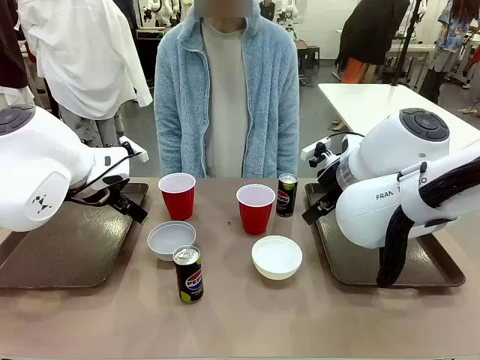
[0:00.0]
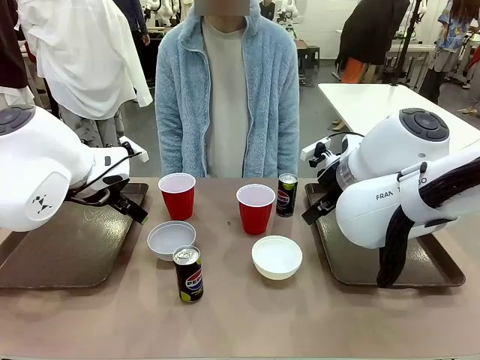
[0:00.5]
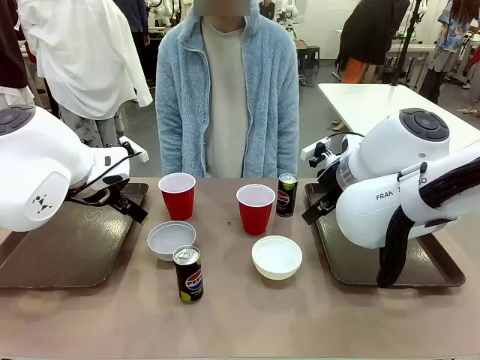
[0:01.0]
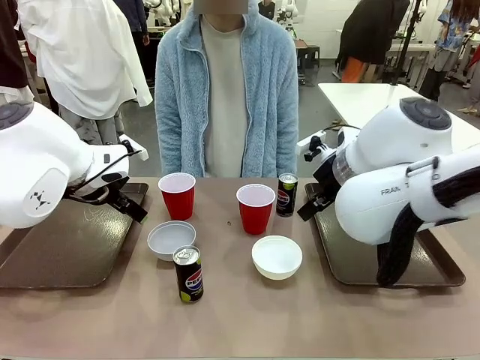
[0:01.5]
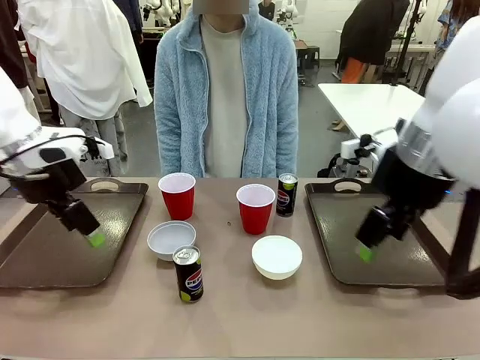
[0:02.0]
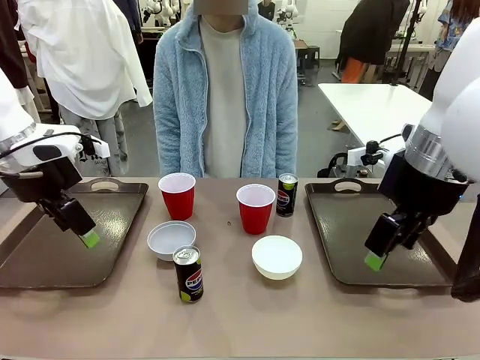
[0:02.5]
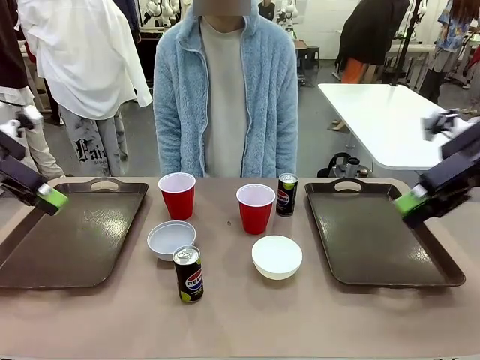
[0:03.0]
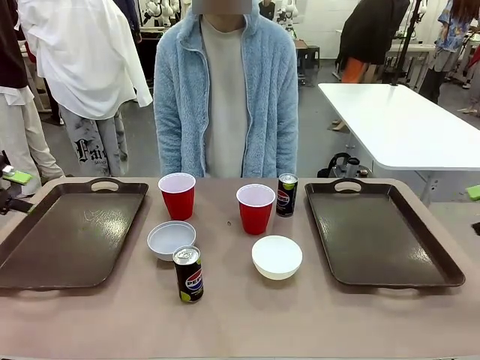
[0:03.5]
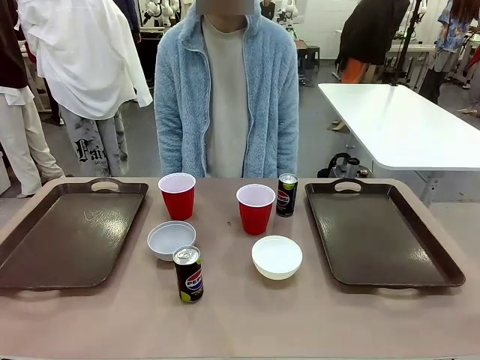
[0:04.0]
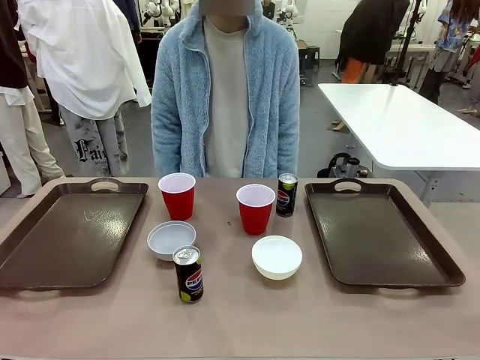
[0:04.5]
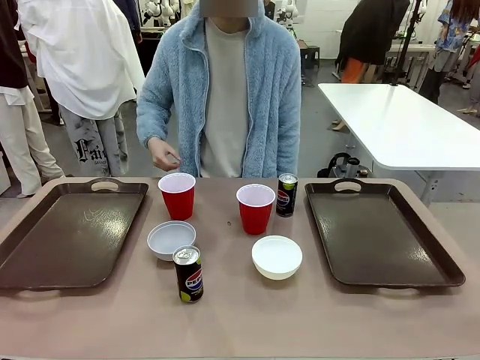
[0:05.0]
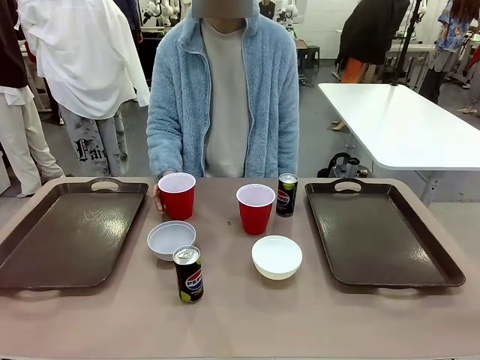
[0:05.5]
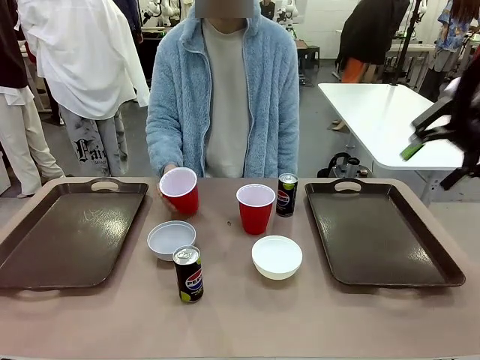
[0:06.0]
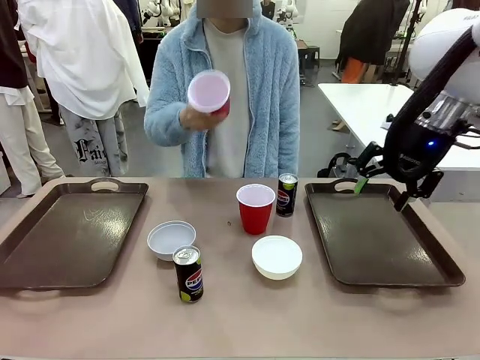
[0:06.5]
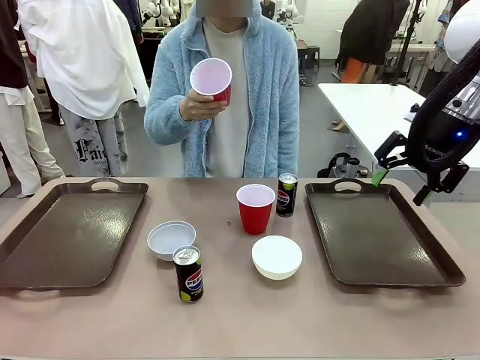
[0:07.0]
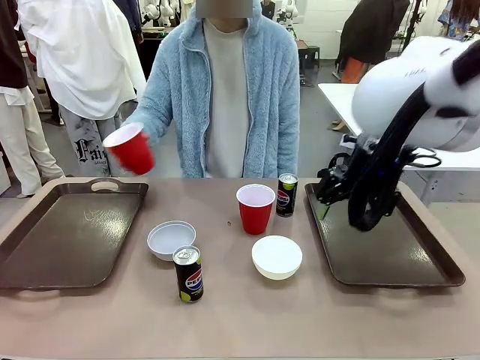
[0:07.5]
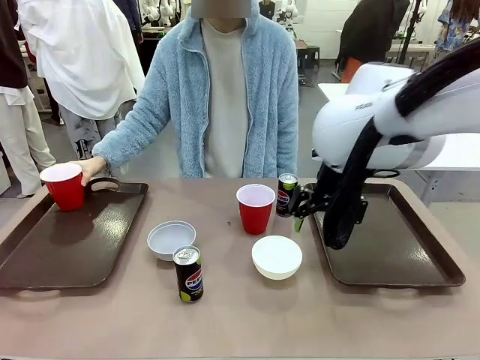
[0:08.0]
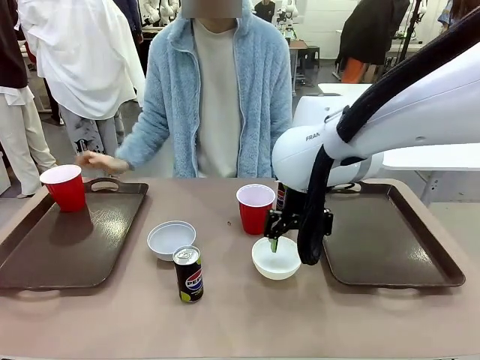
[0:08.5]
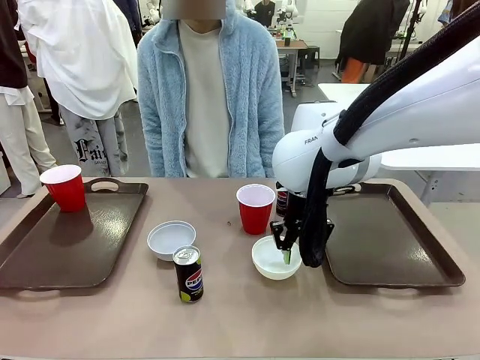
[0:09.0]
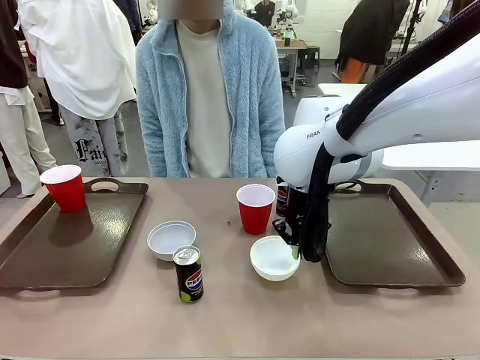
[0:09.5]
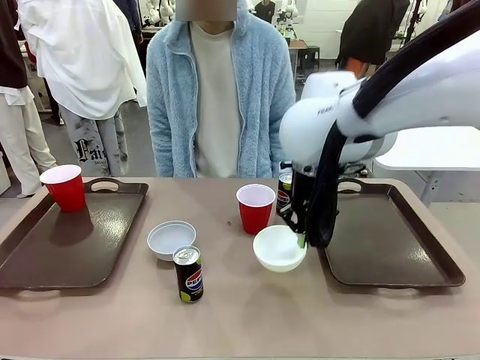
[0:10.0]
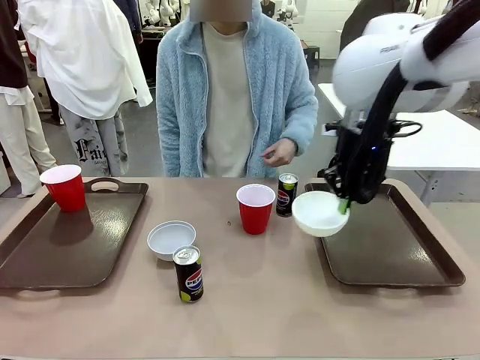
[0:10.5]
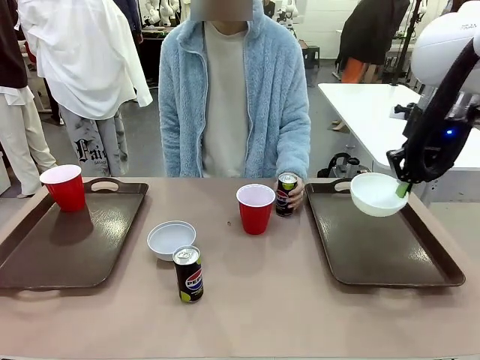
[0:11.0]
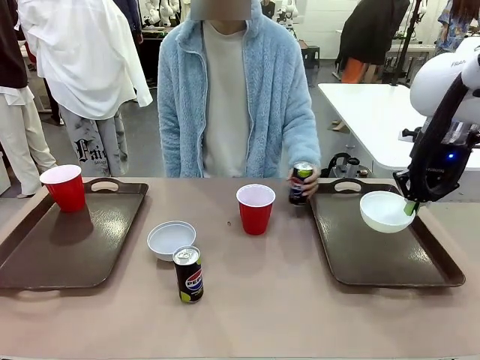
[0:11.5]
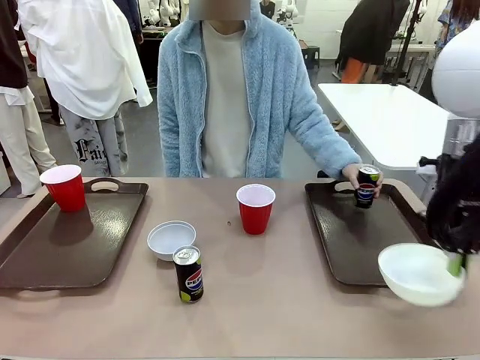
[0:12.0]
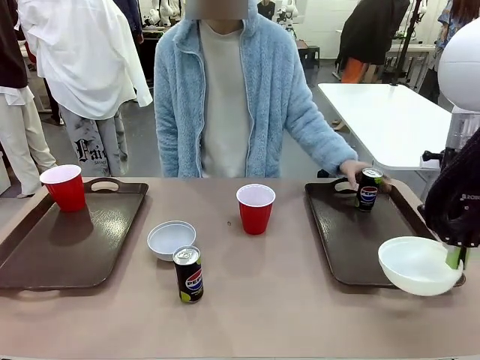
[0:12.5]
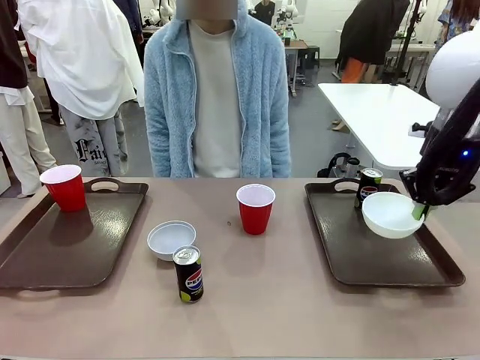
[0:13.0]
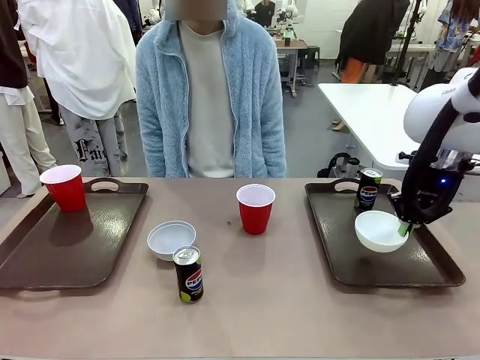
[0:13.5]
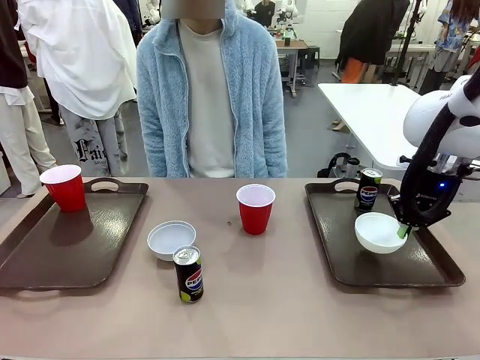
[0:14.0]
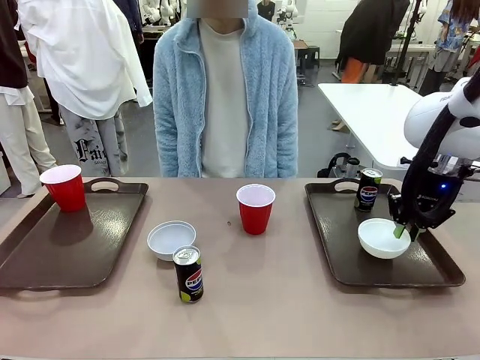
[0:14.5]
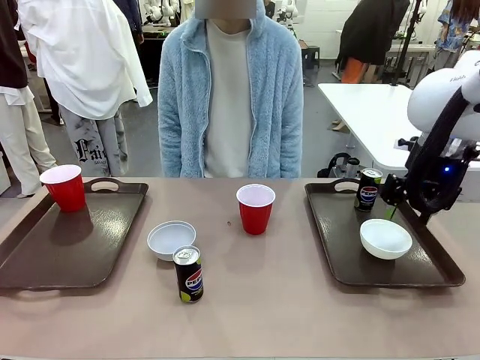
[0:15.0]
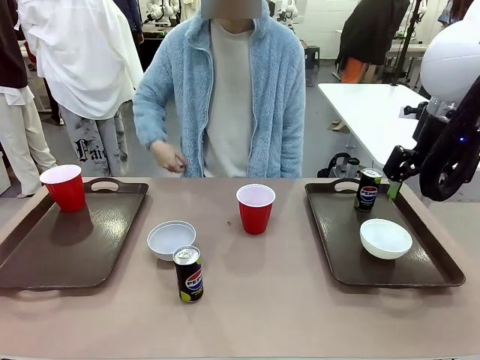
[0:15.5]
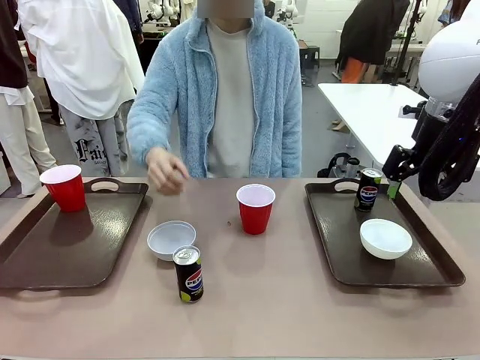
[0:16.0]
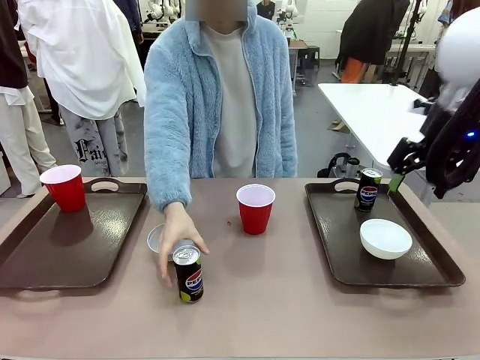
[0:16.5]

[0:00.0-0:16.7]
Task: Prepare tableware on both trays.
Robot: Pick up a Picnic Bowl from the table and place it on a Handle tray.
Person: Pick up a can or cup and place it on the tray.

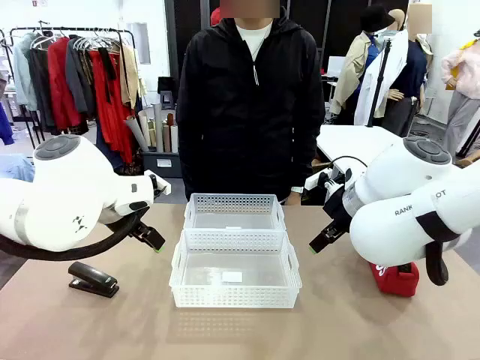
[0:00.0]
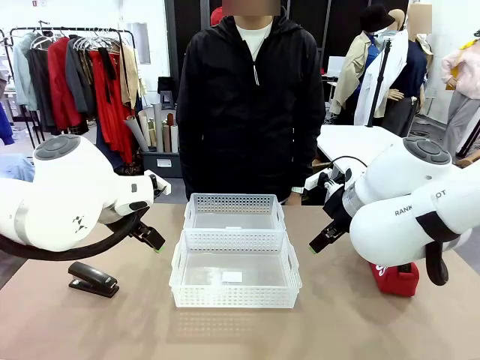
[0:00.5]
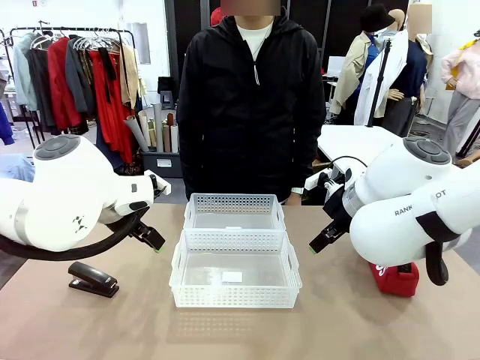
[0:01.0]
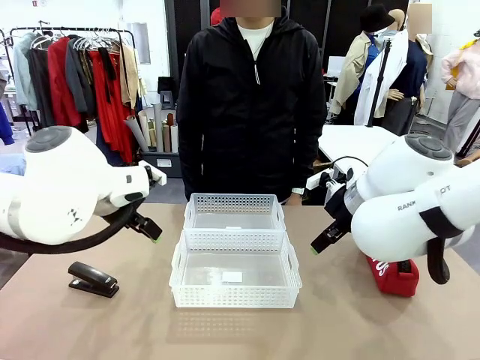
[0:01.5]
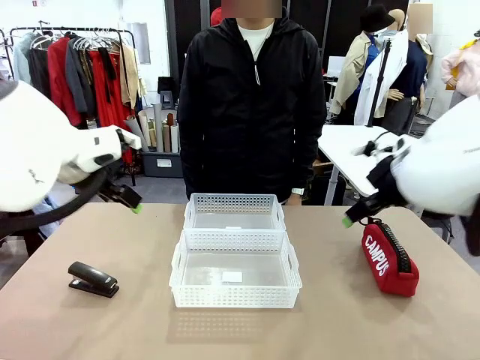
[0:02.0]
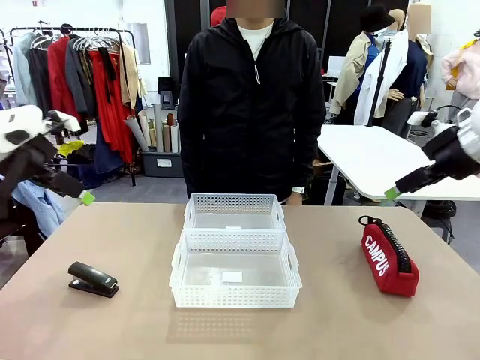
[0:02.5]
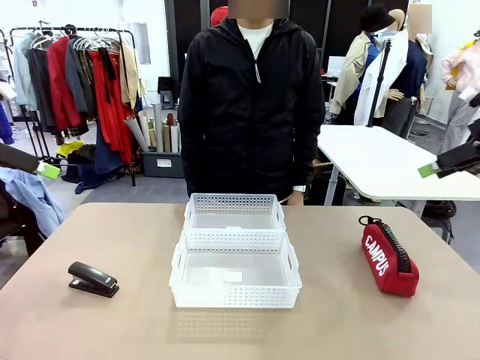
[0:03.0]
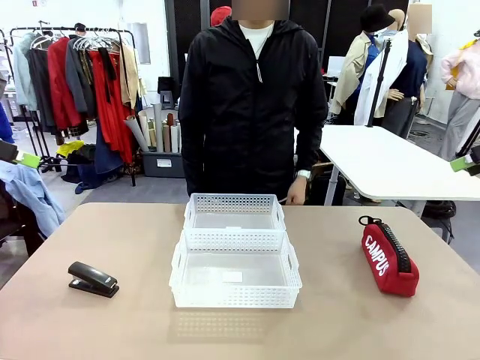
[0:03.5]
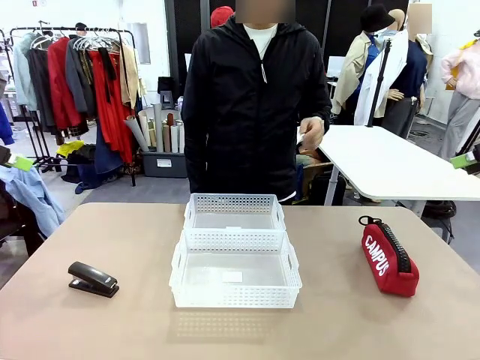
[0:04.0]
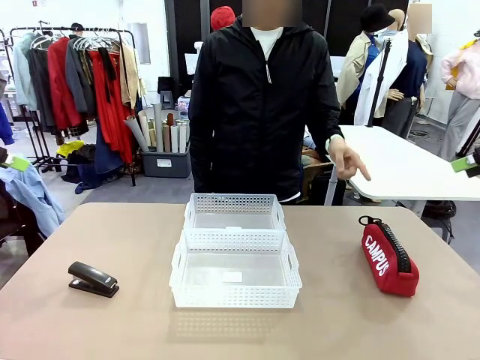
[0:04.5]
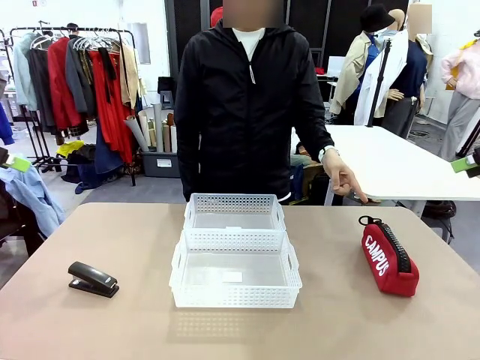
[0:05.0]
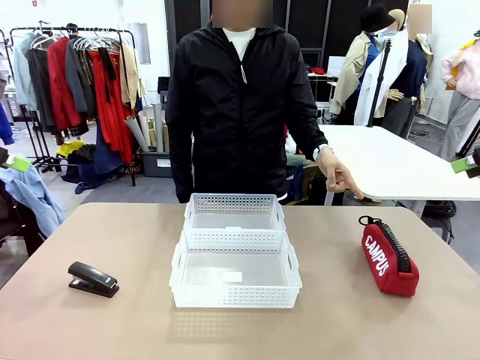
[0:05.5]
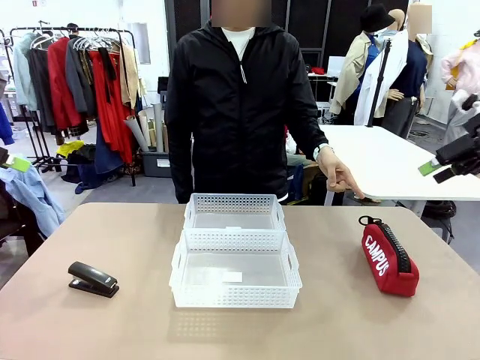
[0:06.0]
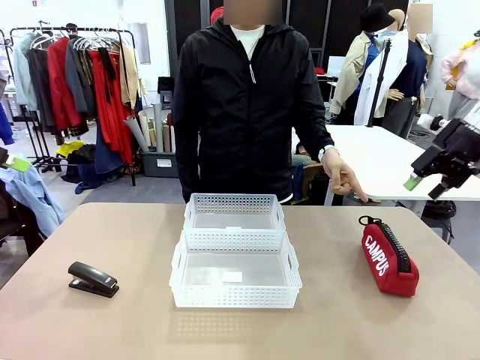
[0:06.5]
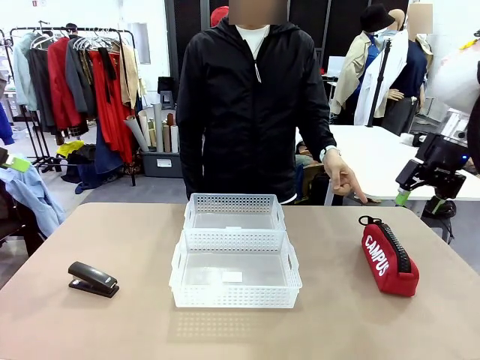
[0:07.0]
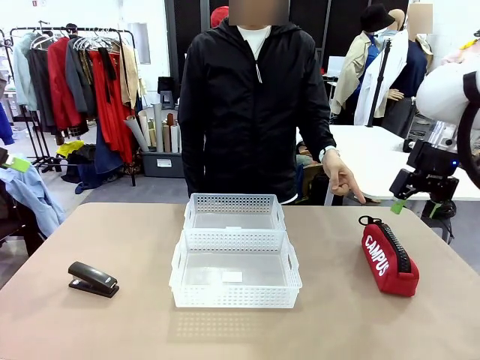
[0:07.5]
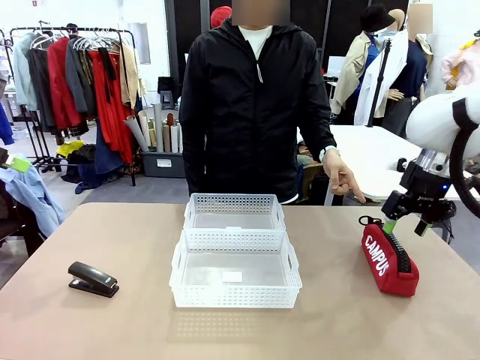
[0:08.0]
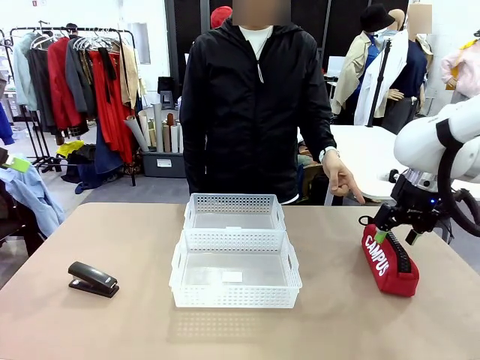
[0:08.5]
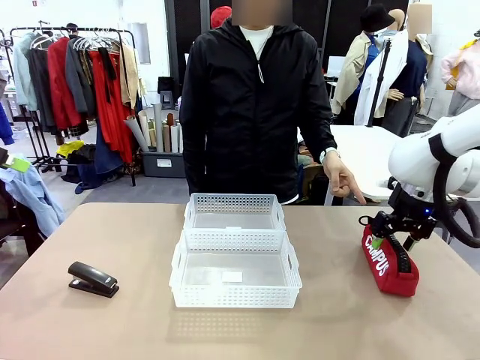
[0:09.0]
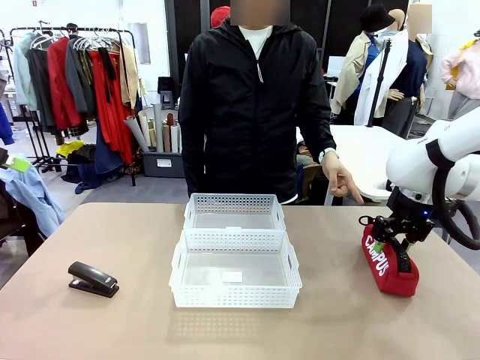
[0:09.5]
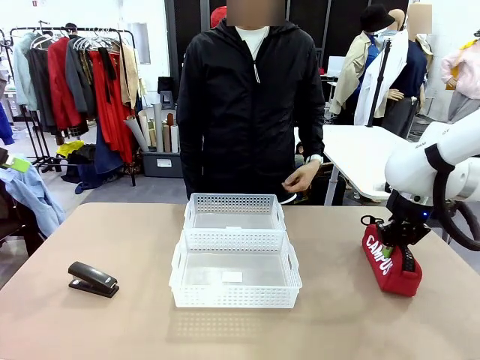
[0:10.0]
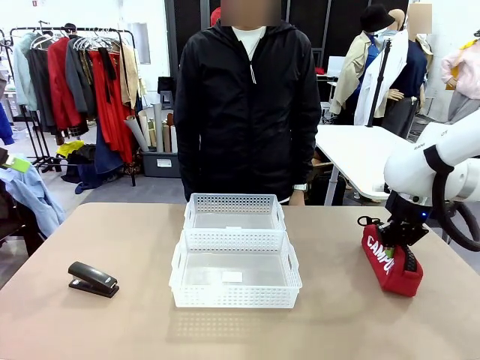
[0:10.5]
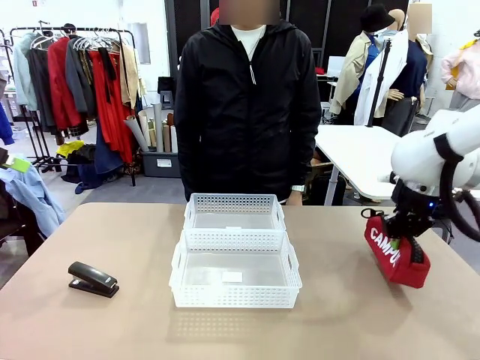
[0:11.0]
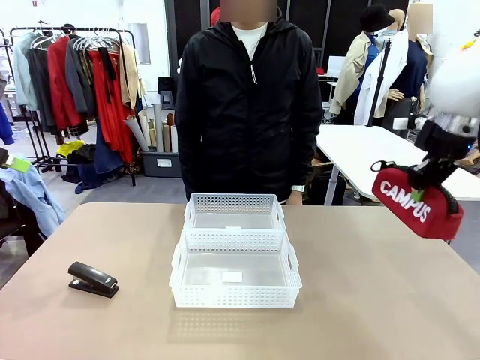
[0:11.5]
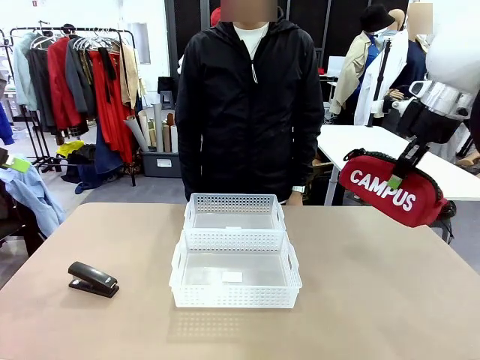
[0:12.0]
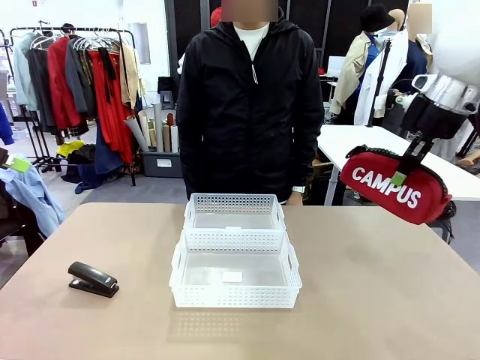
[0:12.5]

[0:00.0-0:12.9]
Task: Distribute items into two baskets.
Robot: Pick up the Pencil pouch that the person points to.
Person: Points to the pencil case. Points between the two organizing baskets and instructs the robot to move the pencil case.
